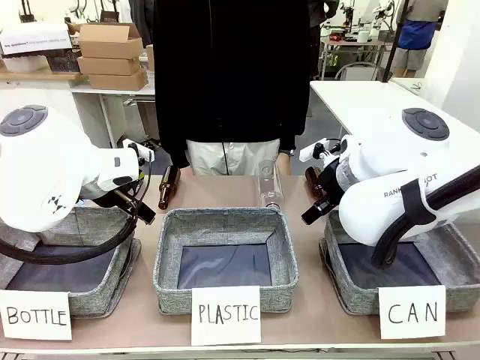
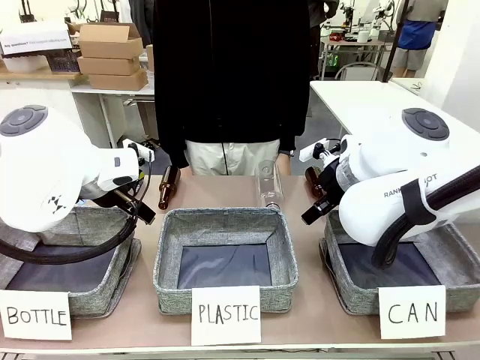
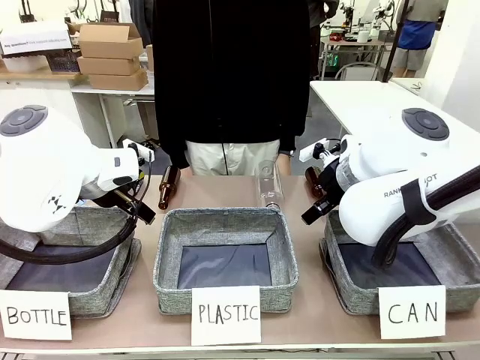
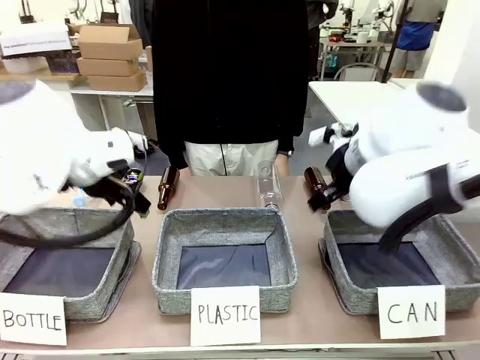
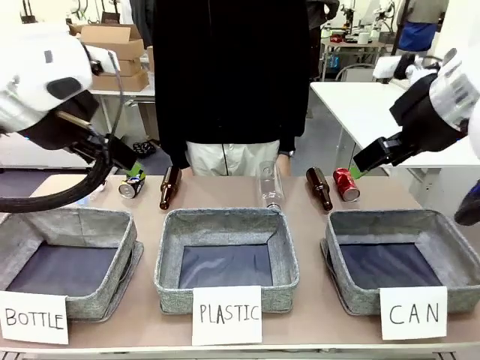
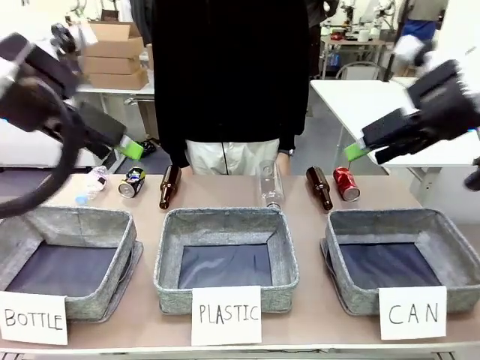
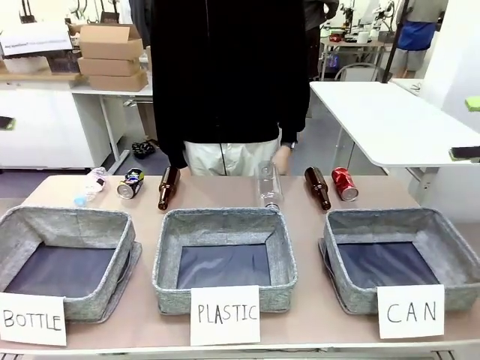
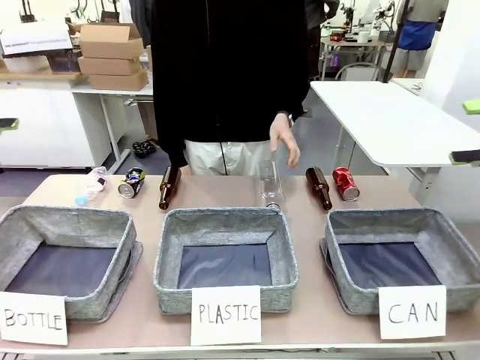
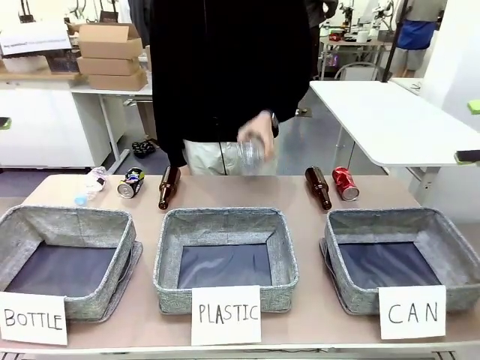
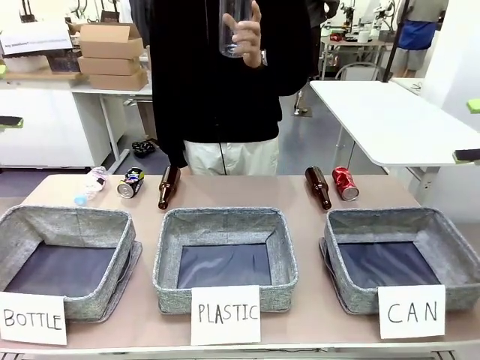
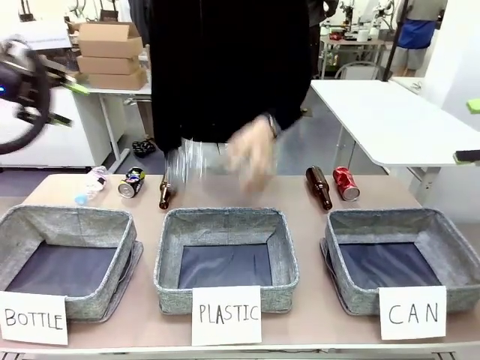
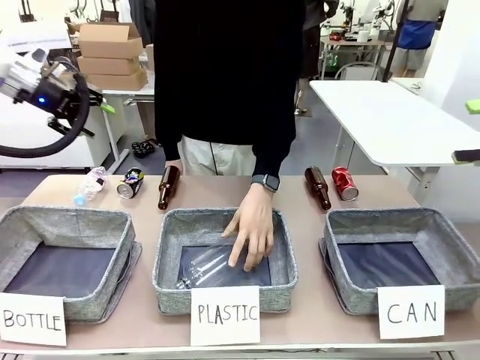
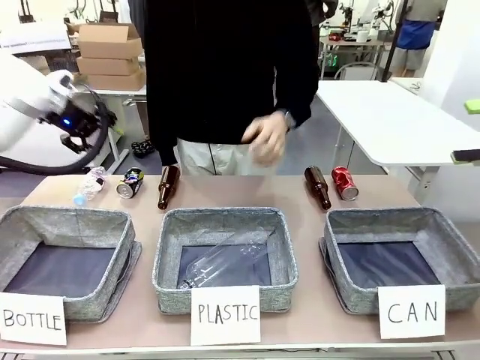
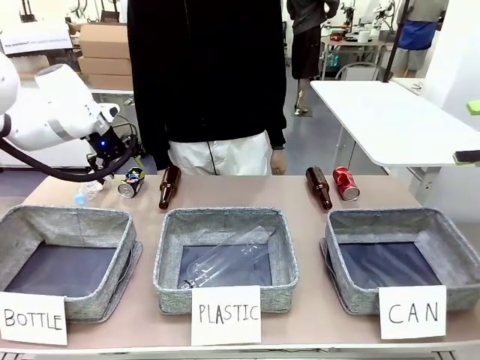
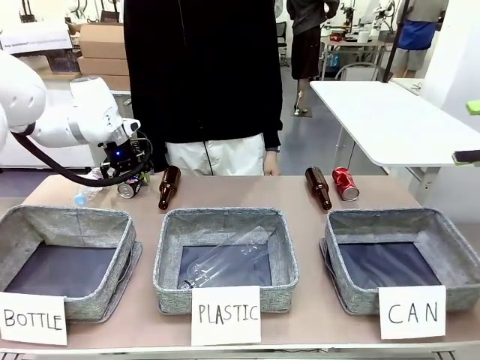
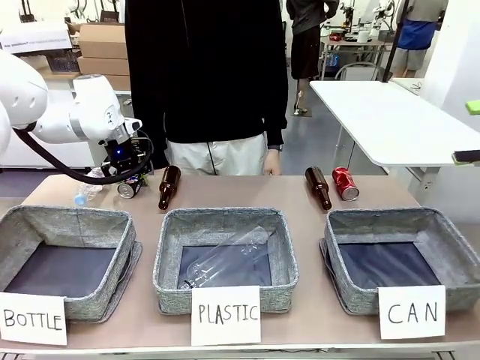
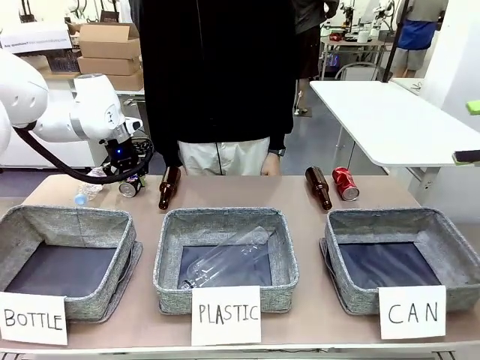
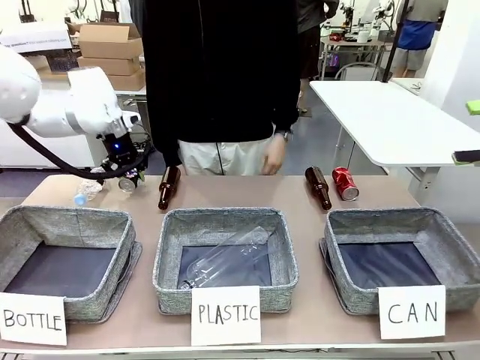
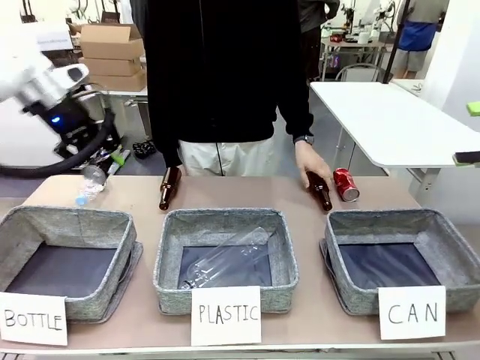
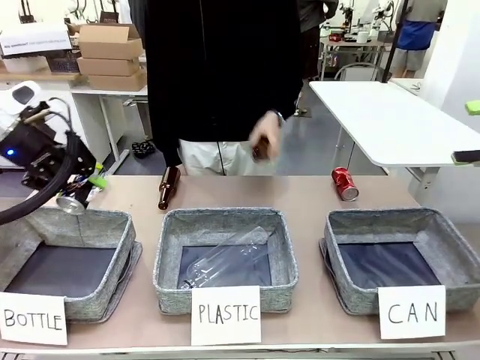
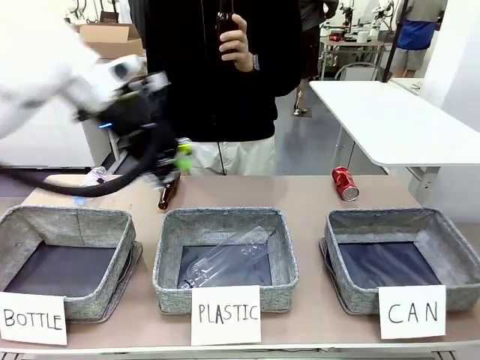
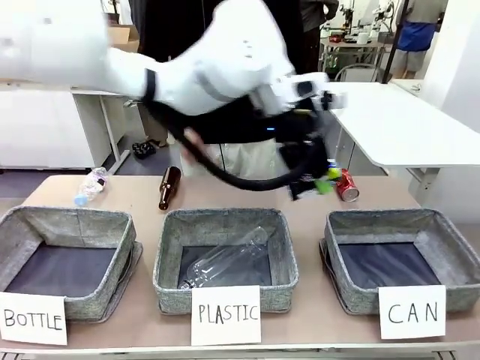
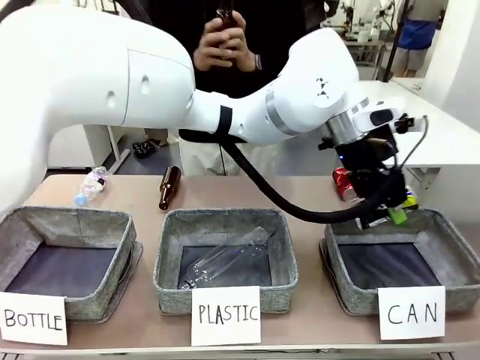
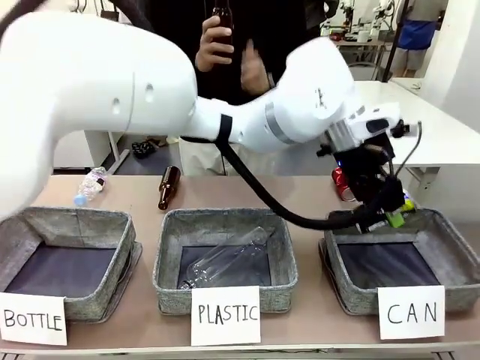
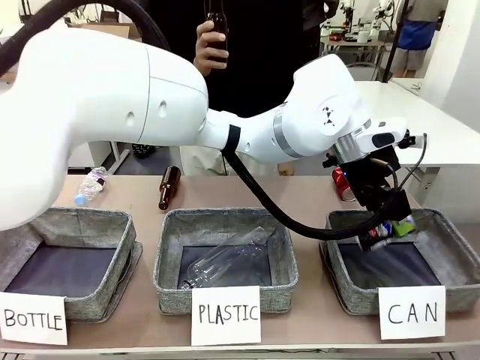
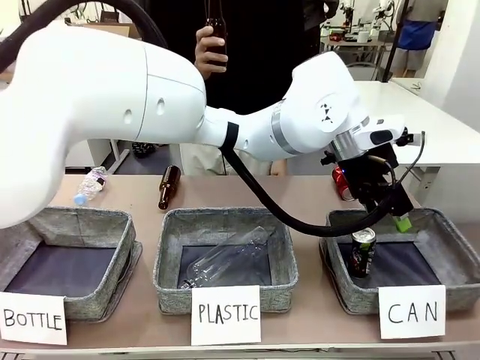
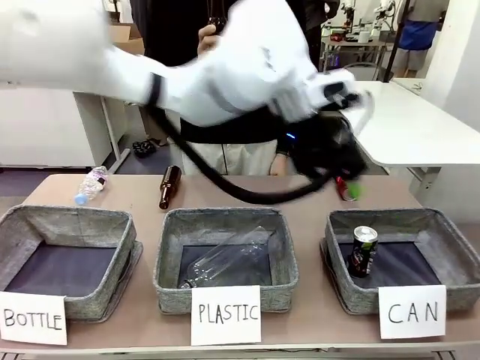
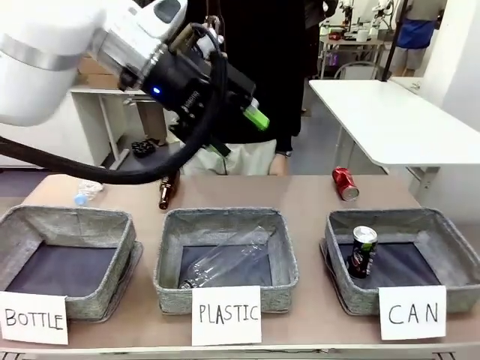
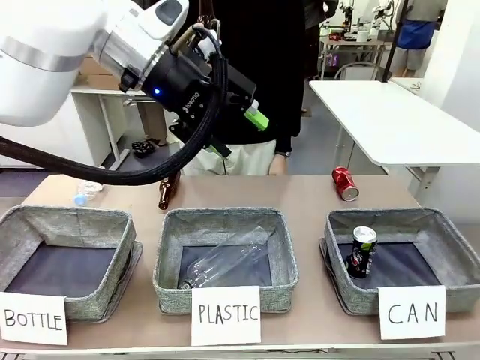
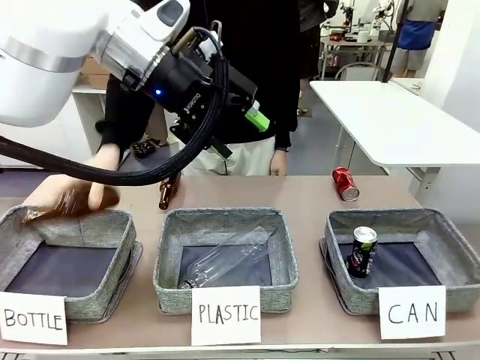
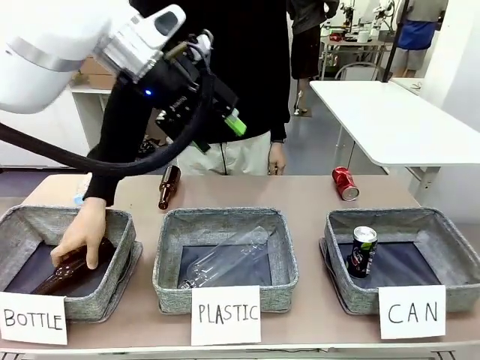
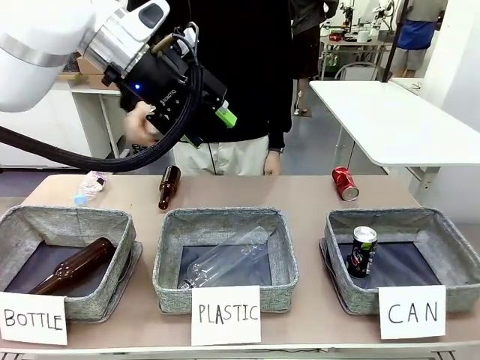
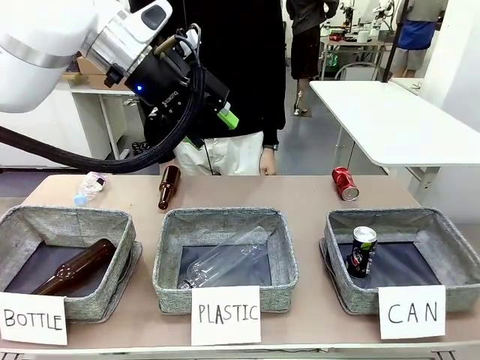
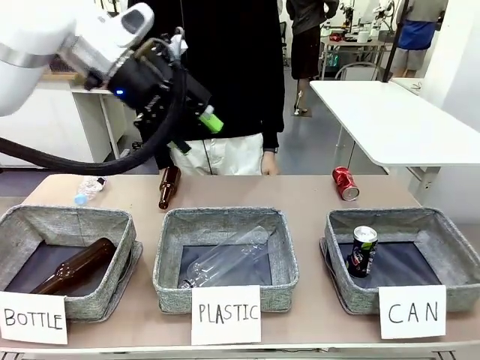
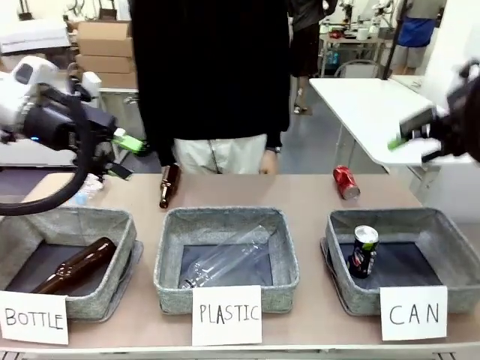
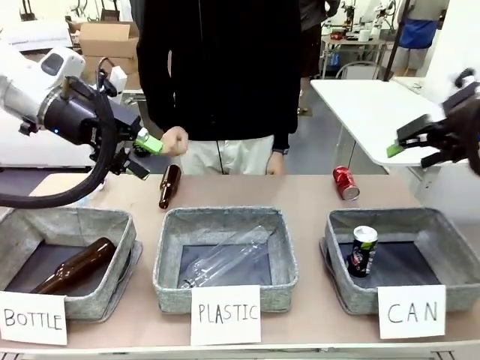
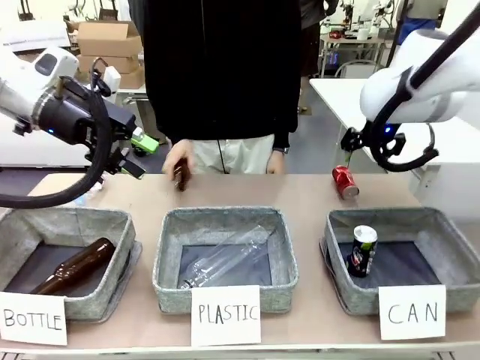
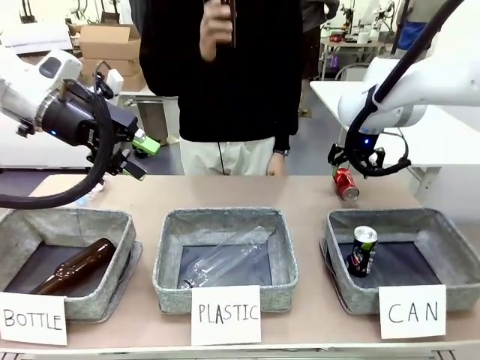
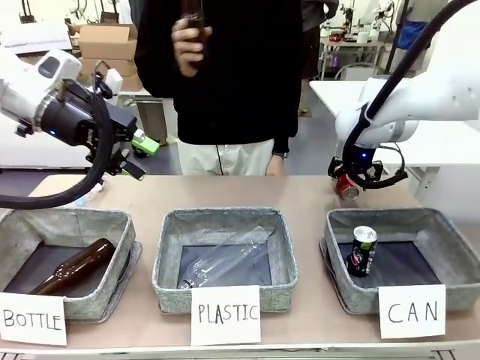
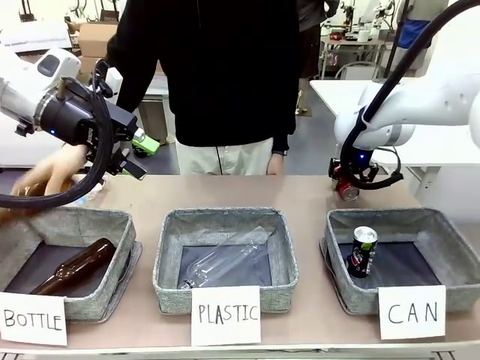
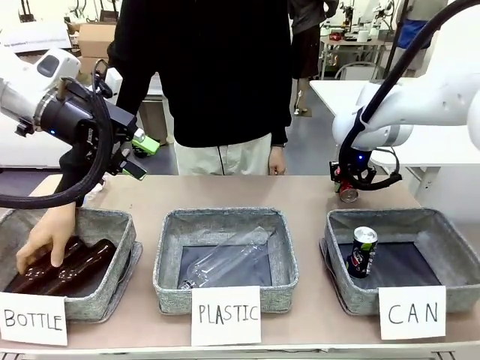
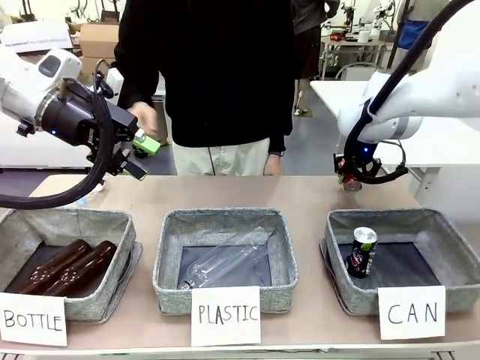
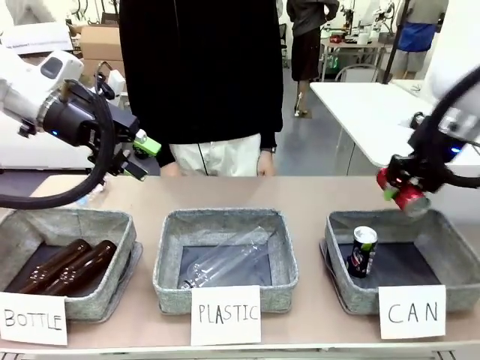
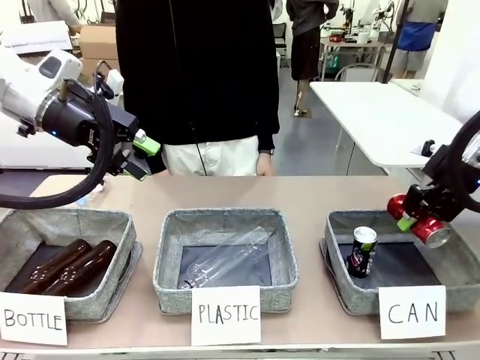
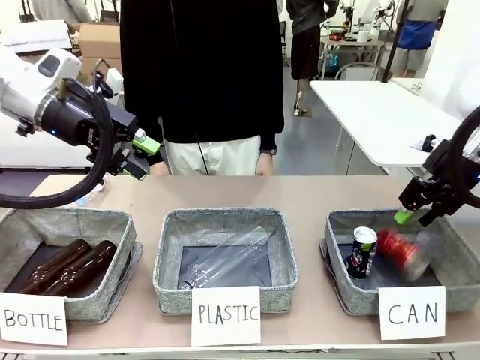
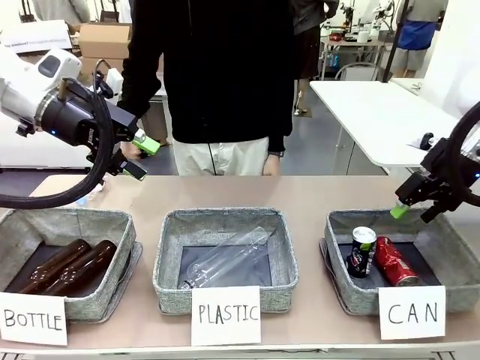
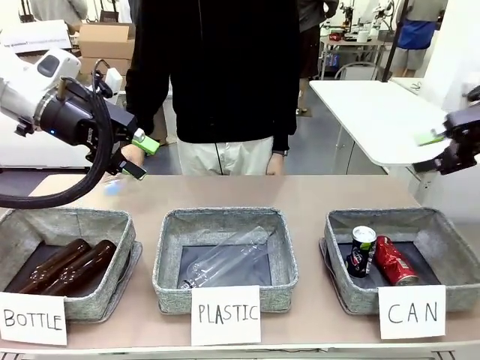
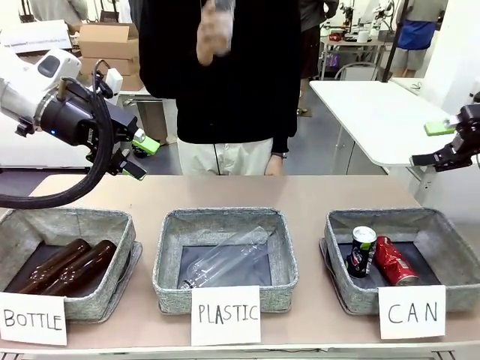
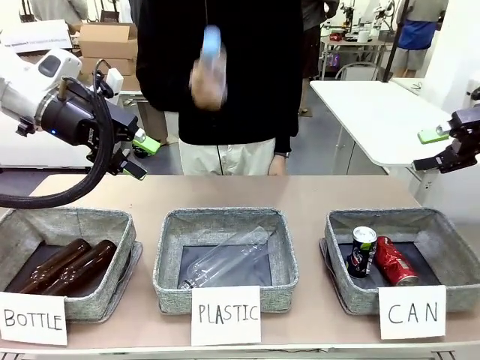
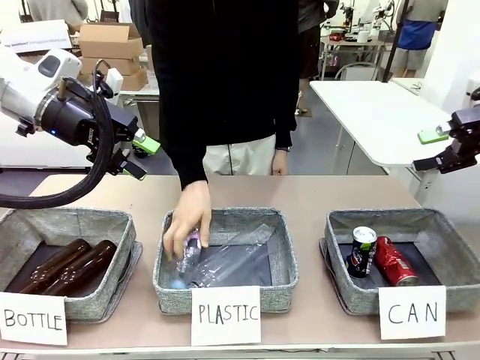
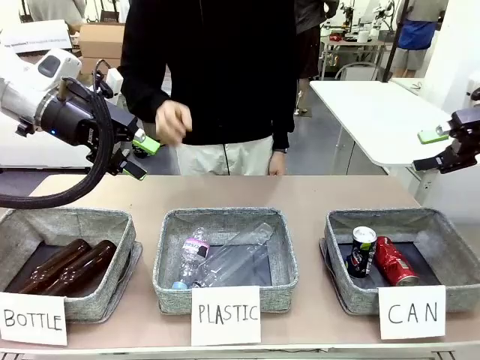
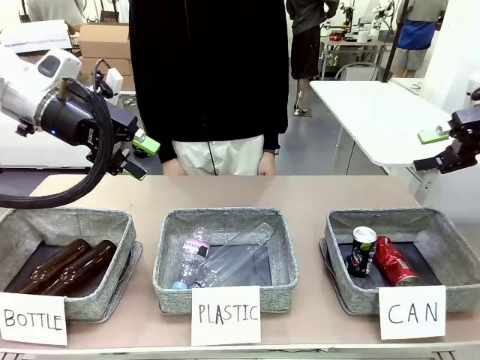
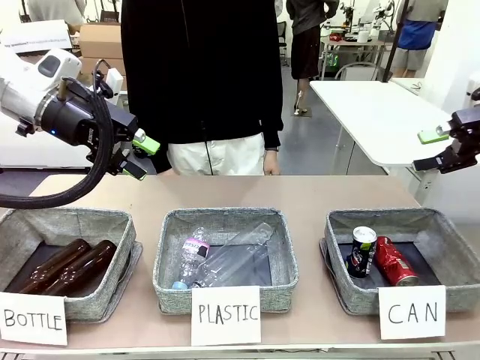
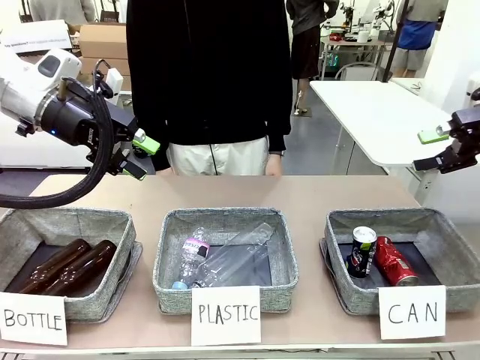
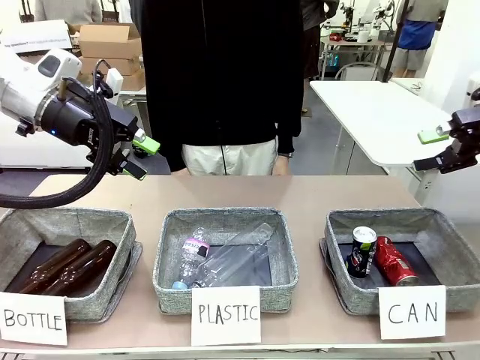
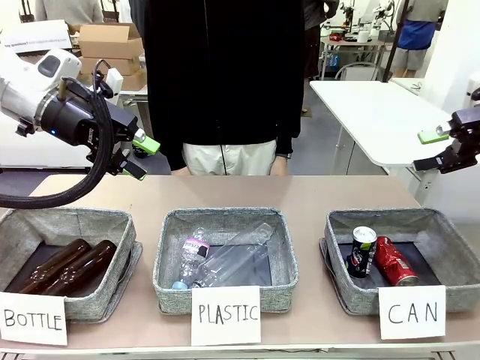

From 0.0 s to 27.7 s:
Task: Sort the can waste into the basket.
Robot: Pick up the can waste from the table and place it in the right Fabric basket.
Person: The human picks up one piece of trash that is not a can and places the trash into the appropriate organizing basket.
